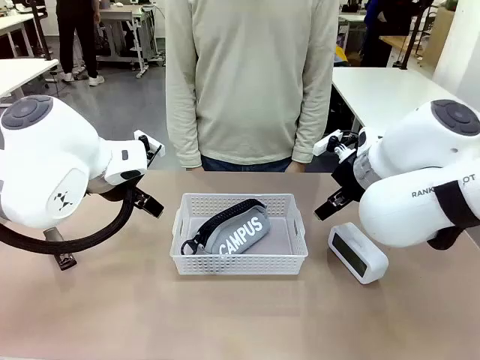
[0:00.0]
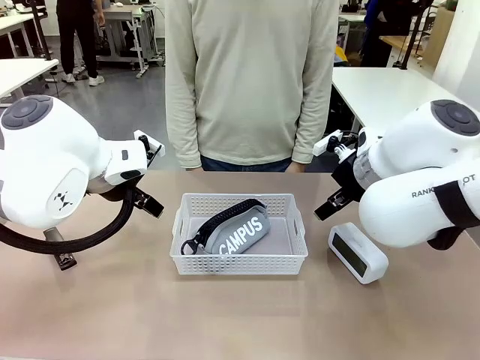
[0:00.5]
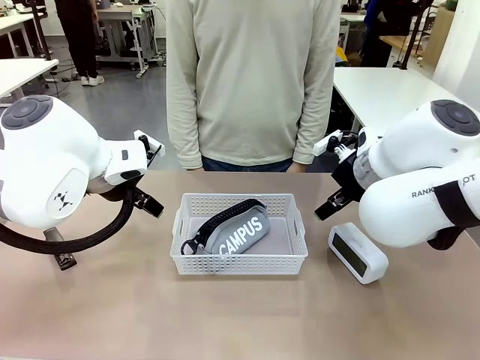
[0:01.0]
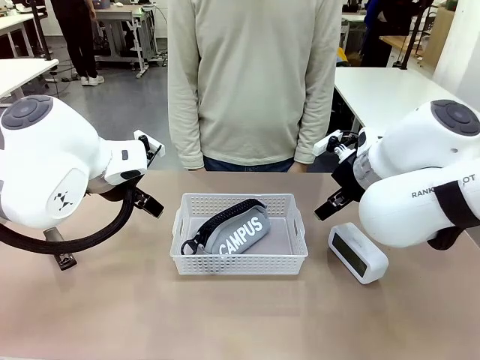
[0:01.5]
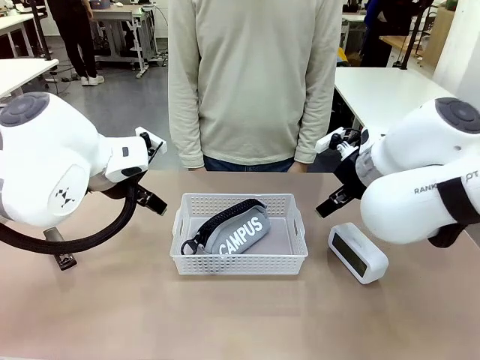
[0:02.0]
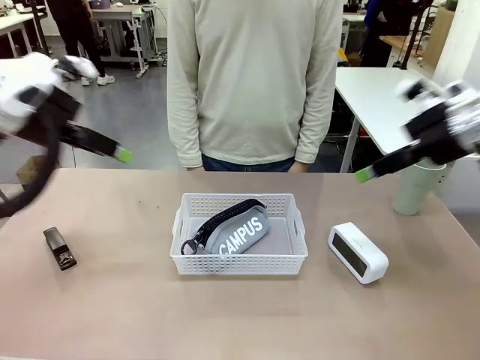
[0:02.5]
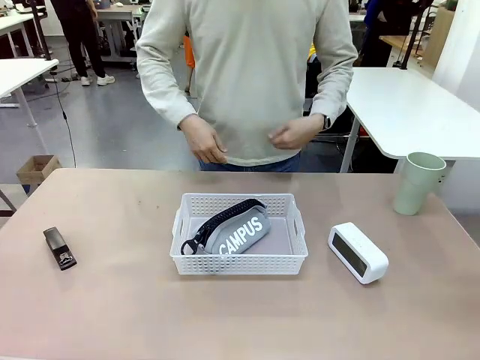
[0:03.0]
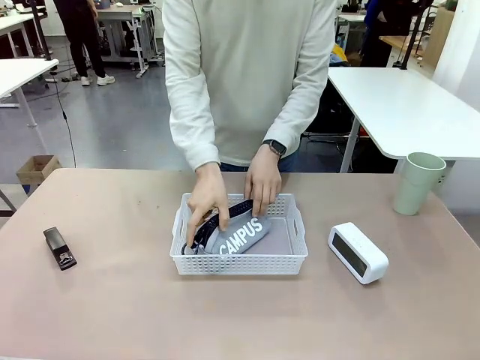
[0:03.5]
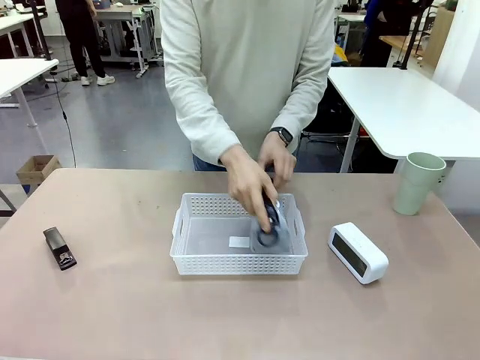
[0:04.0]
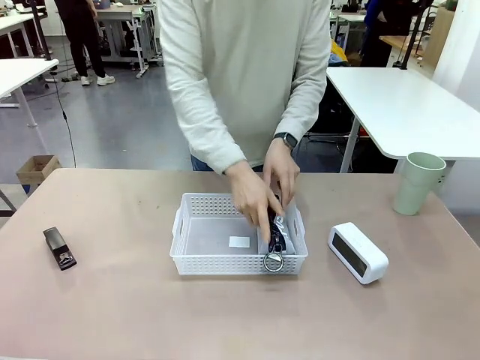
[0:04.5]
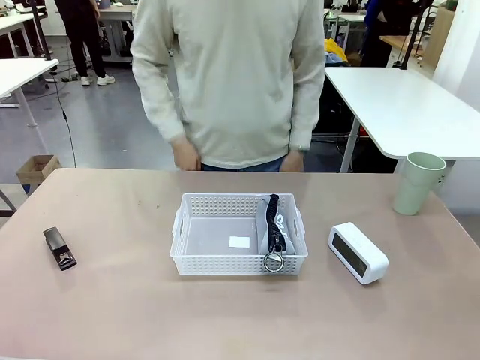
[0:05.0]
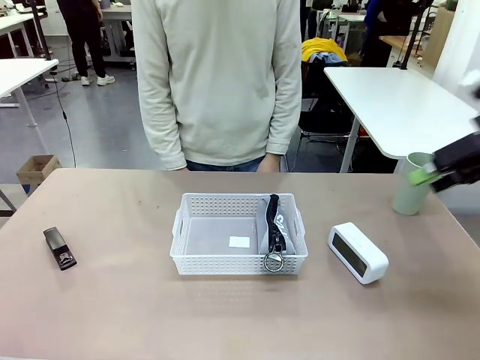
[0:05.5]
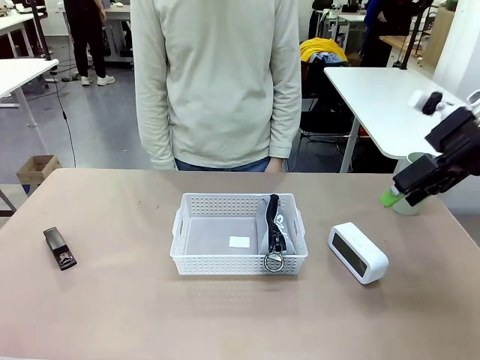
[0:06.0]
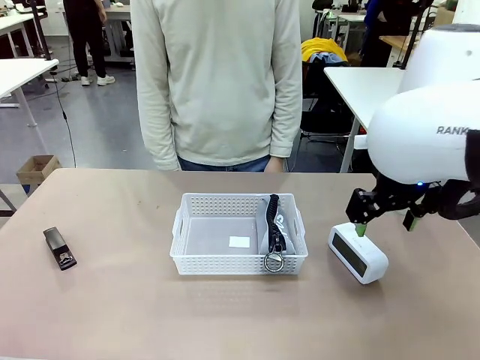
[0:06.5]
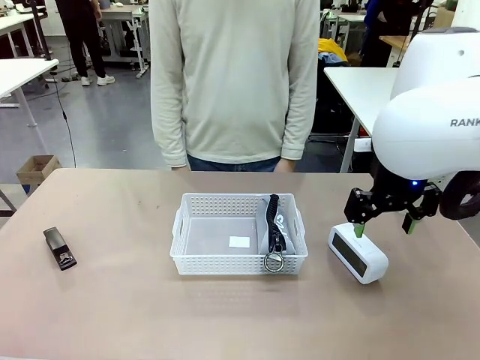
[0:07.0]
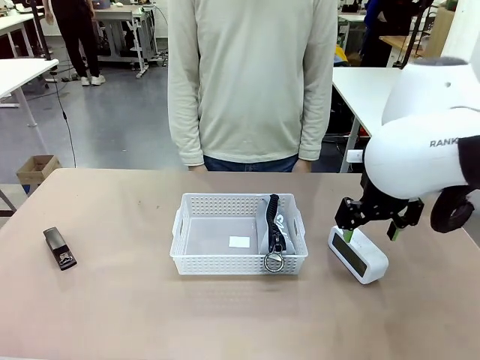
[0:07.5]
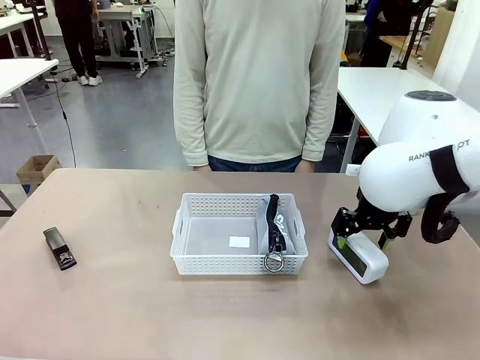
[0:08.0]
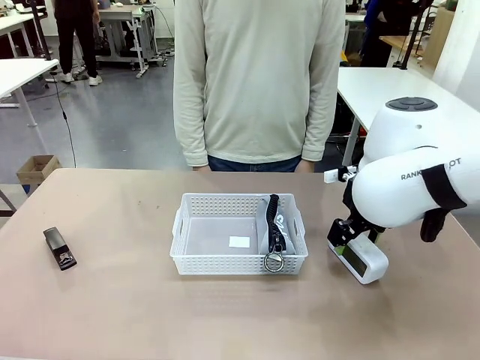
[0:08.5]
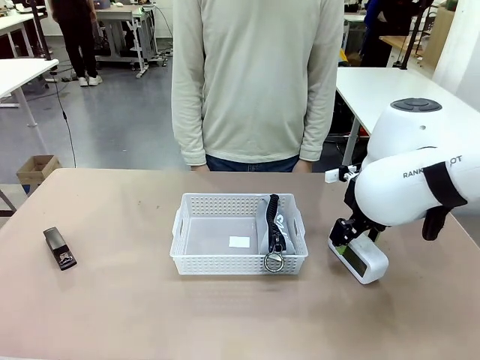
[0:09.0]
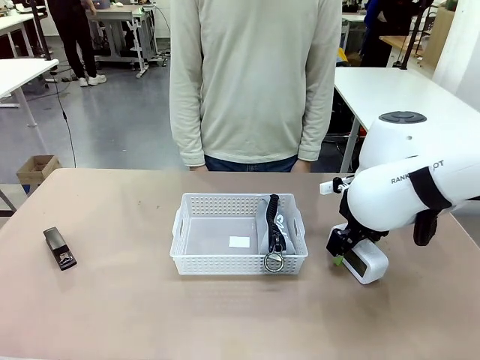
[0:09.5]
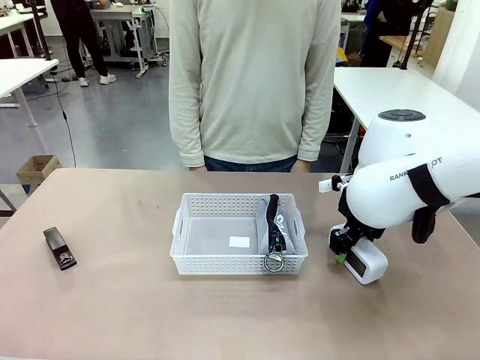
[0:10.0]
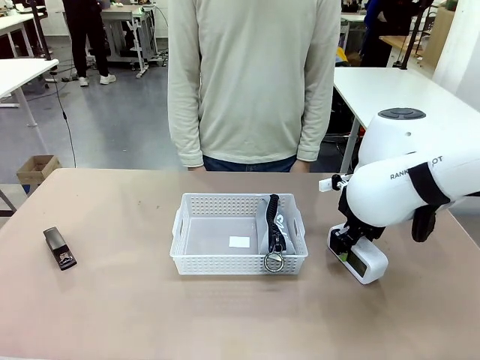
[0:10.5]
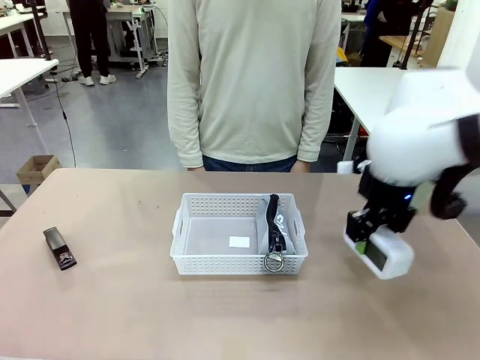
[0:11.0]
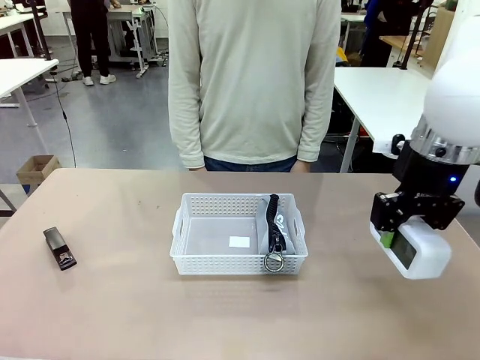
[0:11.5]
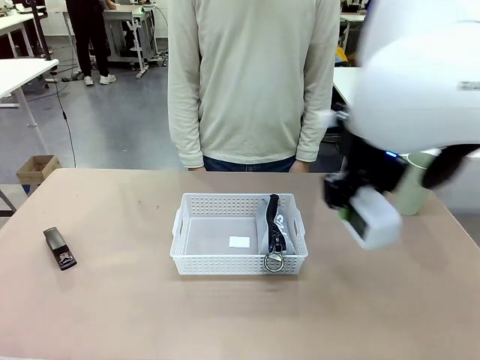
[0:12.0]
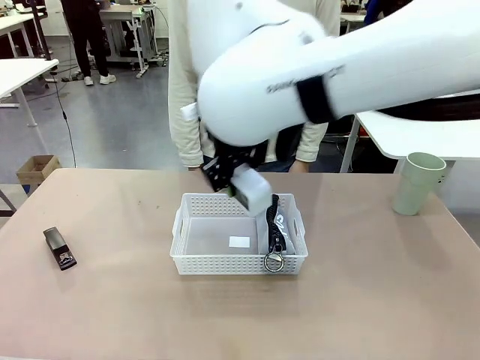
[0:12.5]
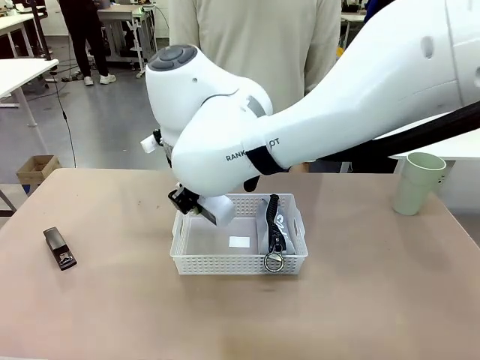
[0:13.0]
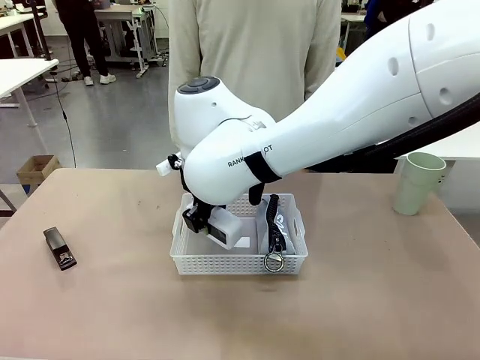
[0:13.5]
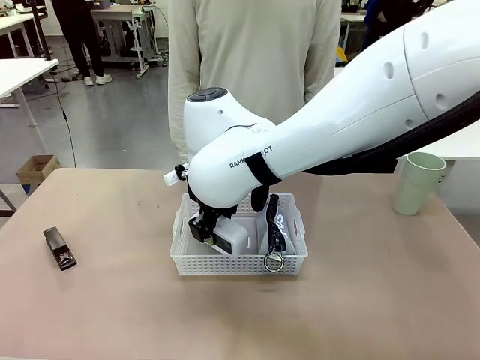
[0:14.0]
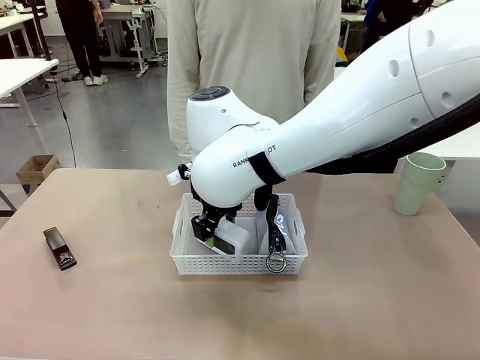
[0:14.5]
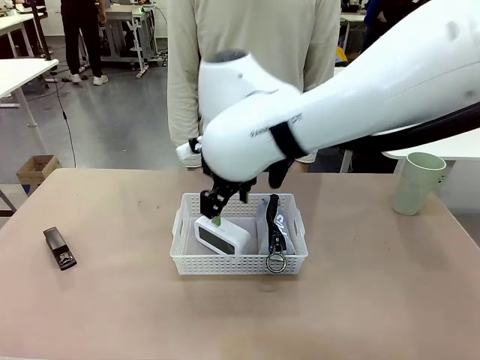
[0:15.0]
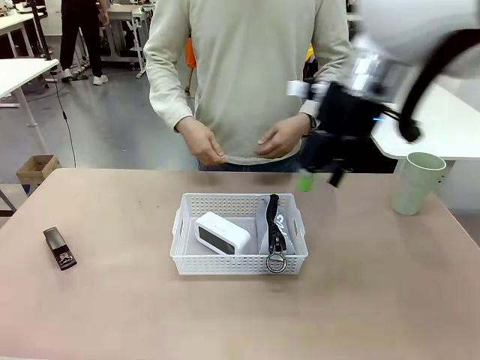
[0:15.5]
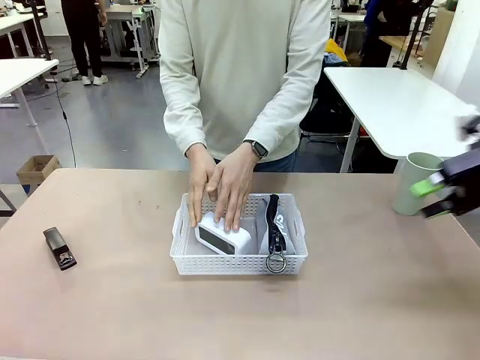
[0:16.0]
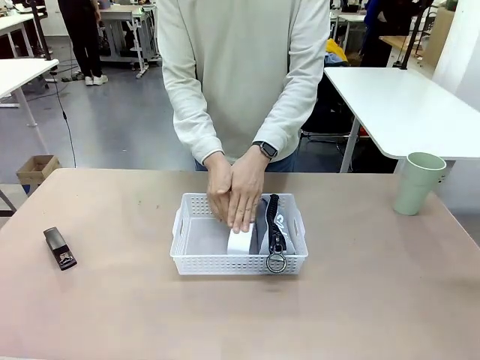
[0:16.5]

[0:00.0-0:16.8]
Task: Efficiently arrange items inside the basket to fit them all.
Robot: Pick up the Digital clock and place it inside the Organizing basket.
Person: Repositions the pencil case. Repositions the digital clock.

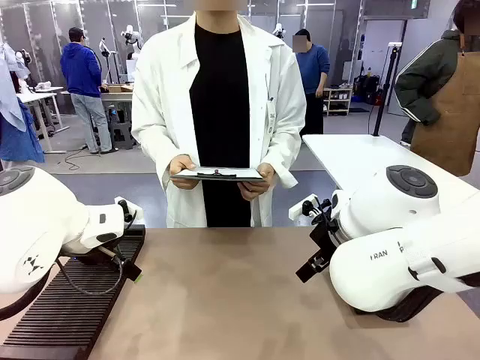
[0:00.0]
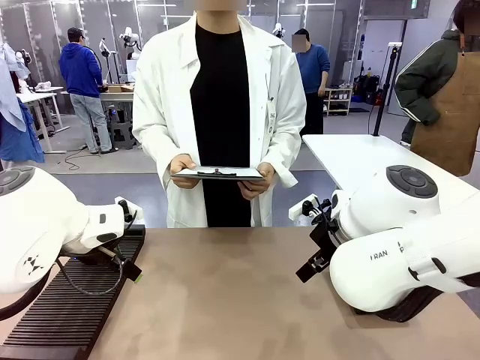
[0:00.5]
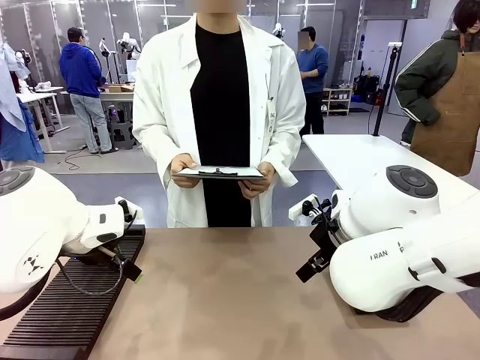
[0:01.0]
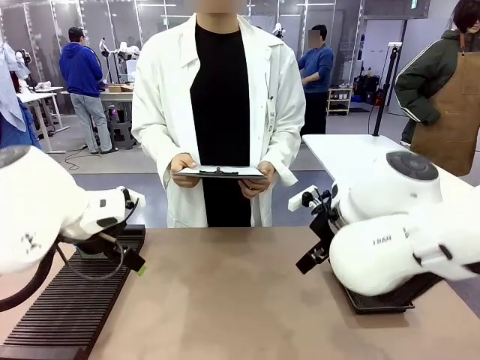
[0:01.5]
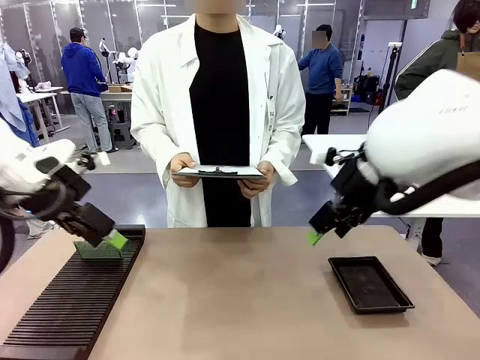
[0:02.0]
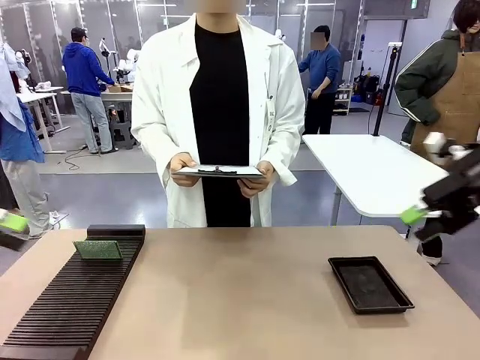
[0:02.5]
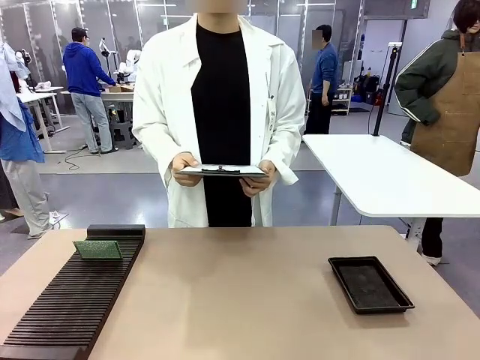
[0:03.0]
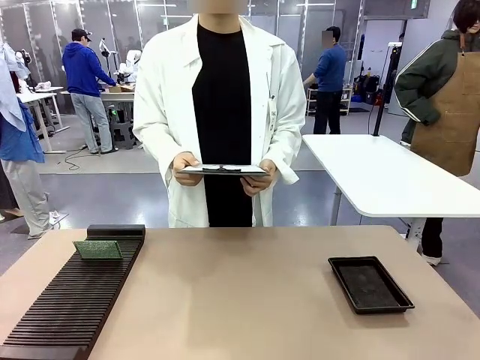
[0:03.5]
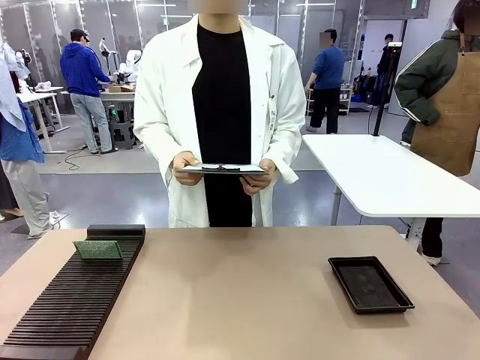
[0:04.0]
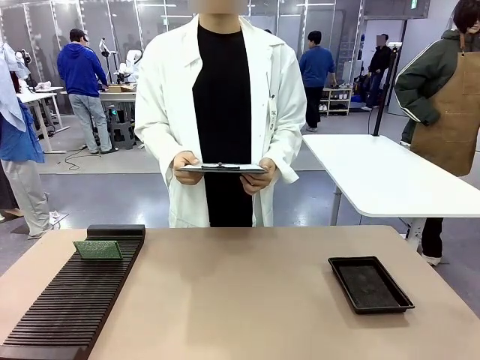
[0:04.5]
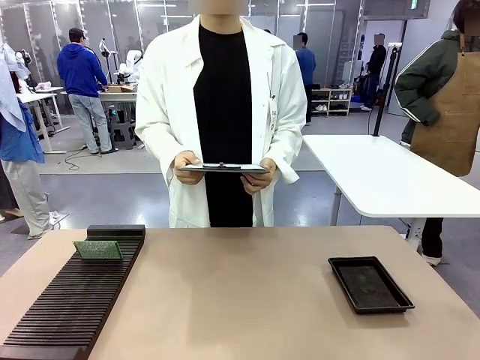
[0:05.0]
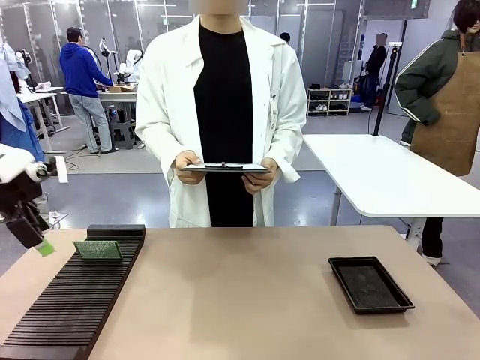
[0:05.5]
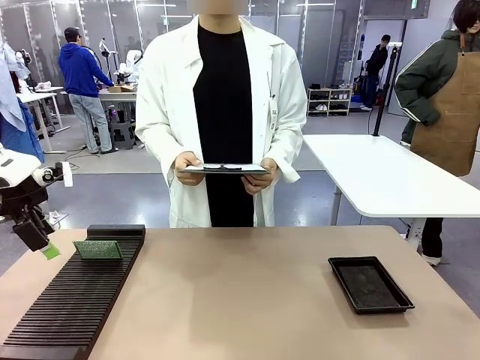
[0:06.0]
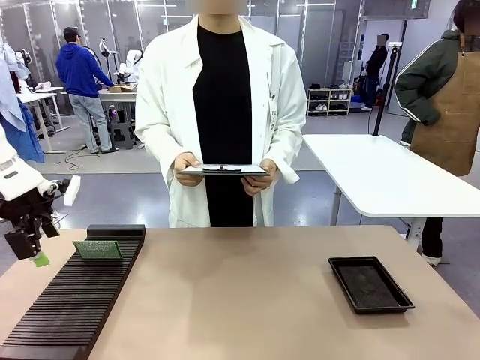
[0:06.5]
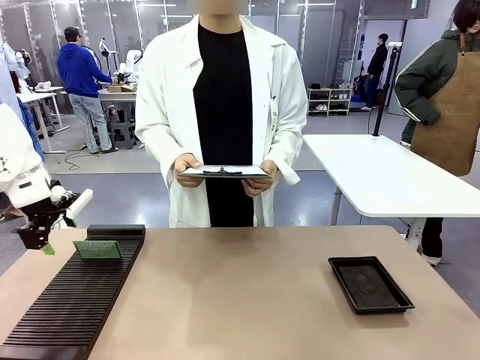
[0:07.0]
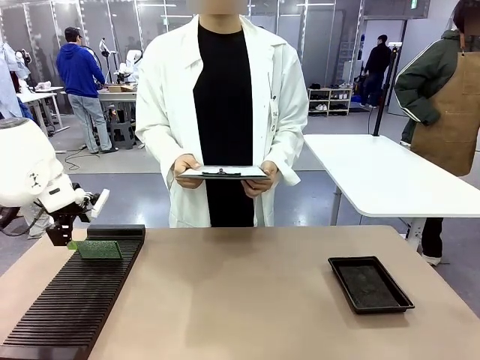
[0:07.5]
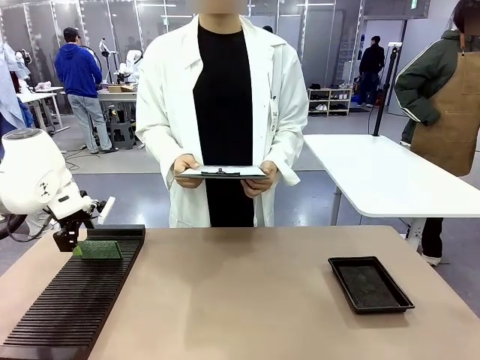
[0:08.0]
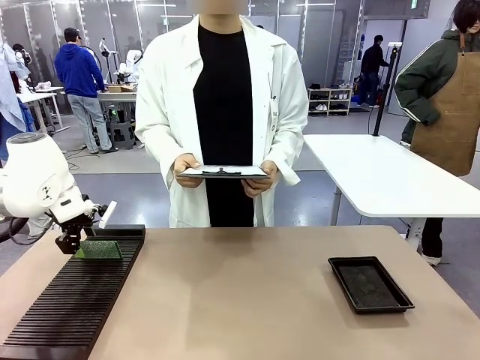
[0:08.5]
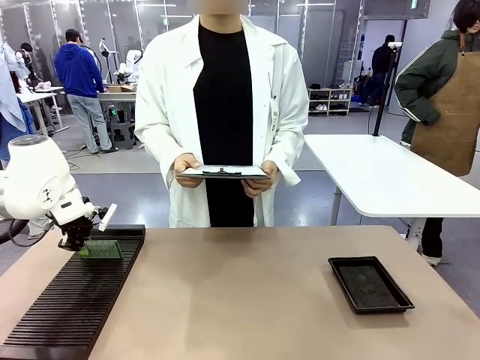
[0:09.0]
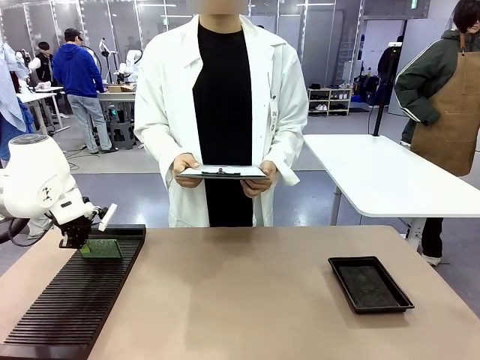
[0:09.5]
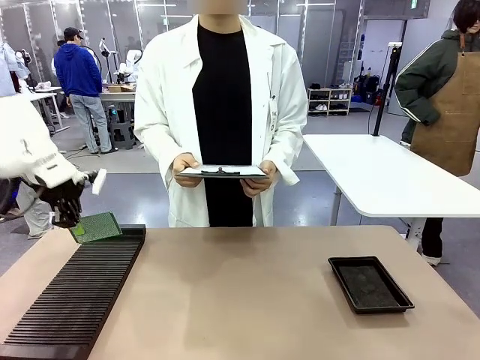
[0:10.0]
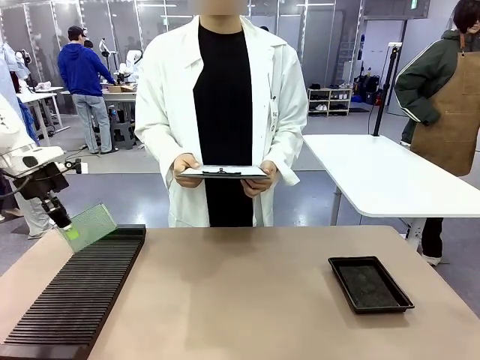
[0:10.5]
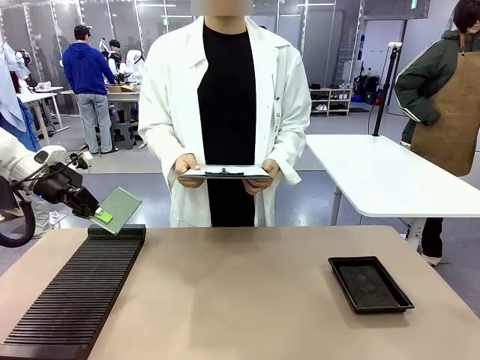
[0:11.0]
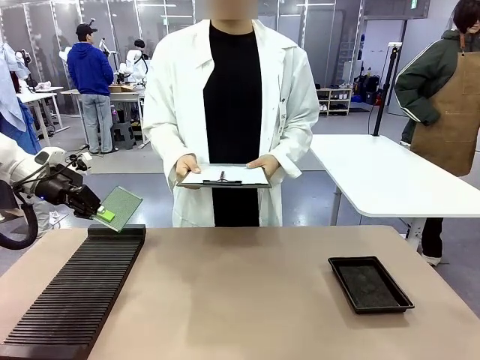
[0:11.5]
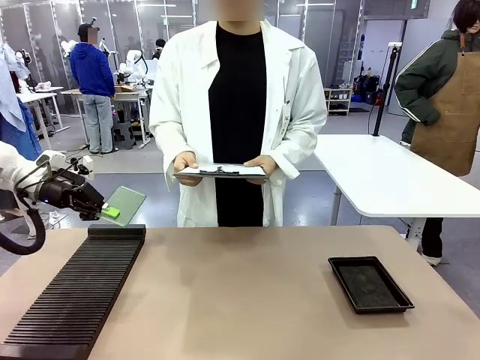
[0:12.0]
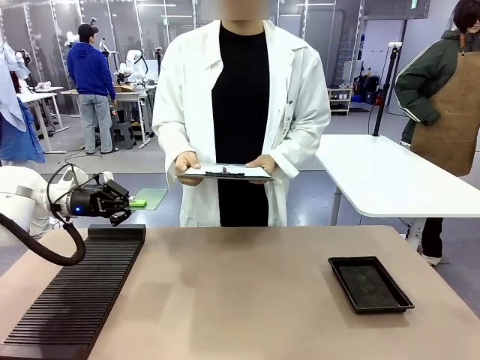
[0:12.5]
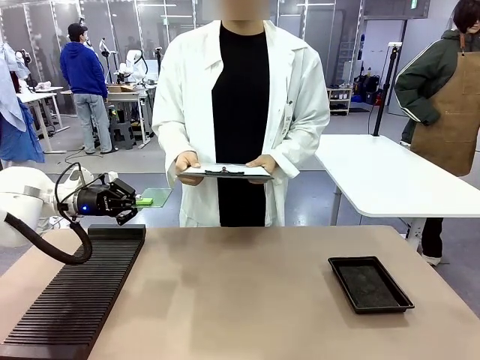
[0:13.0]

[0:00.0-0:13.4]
Task: Inspect the PCB.
Robot: Pick up the Blank PCB and present it to the human.
Person: Pick up the PCB presented by the robot.
